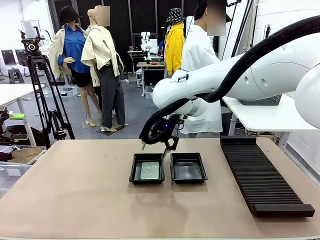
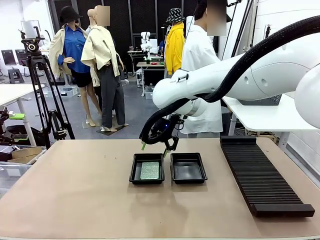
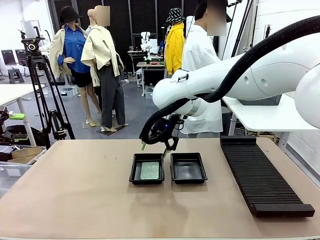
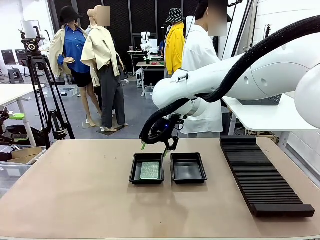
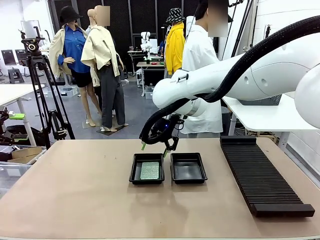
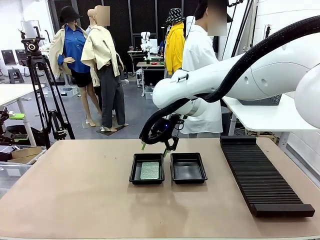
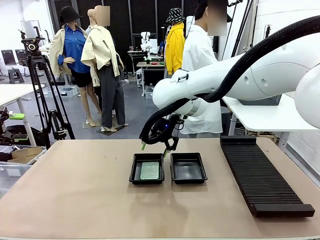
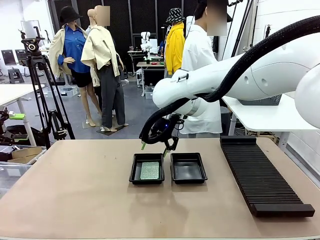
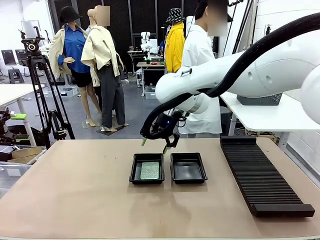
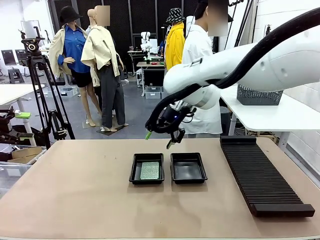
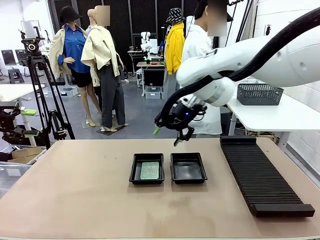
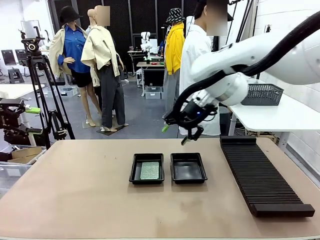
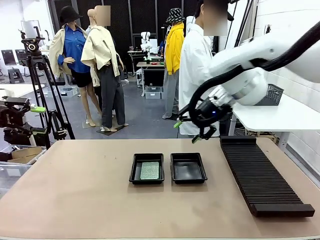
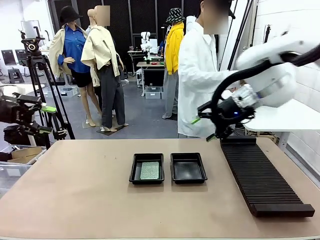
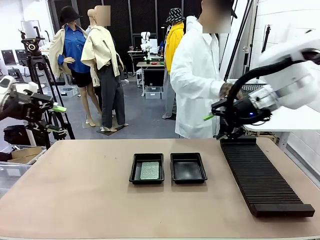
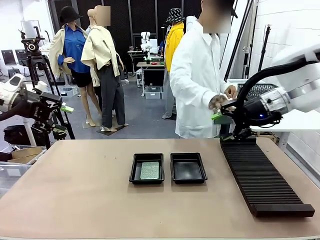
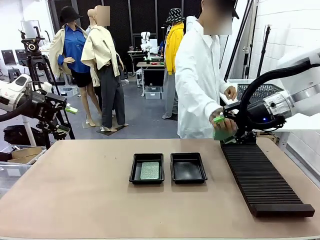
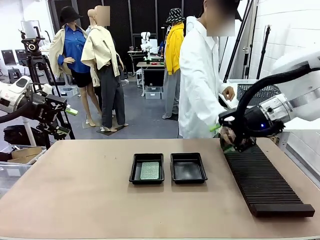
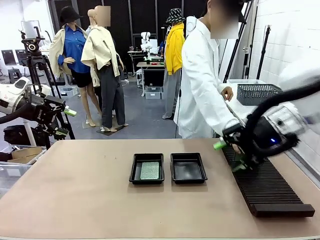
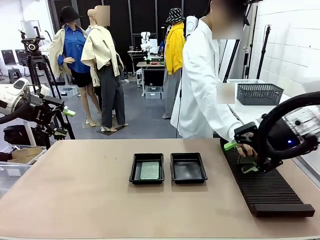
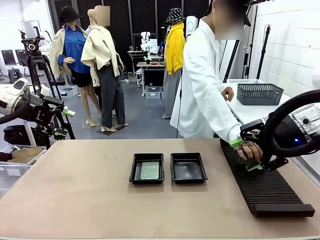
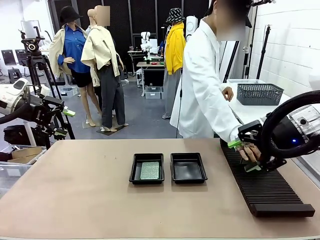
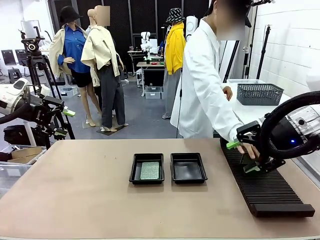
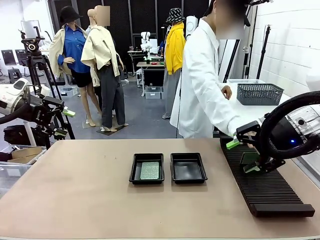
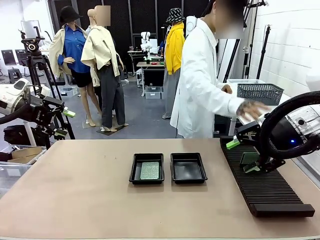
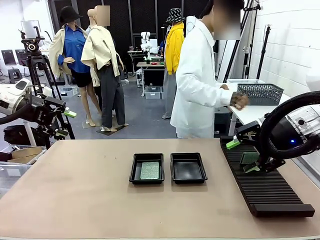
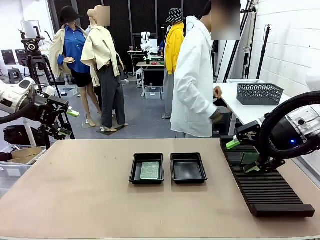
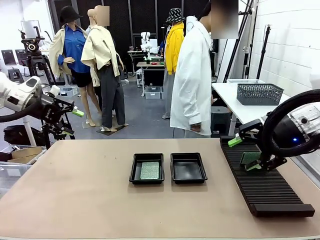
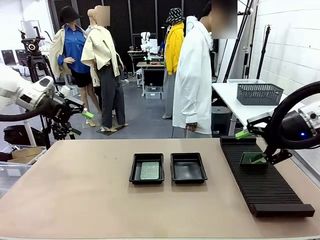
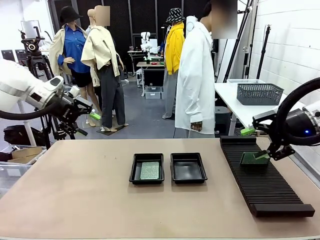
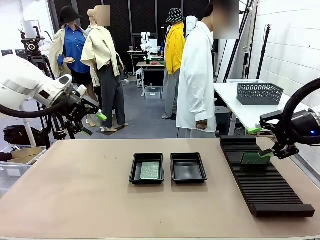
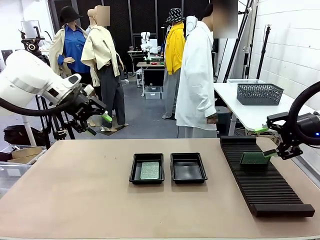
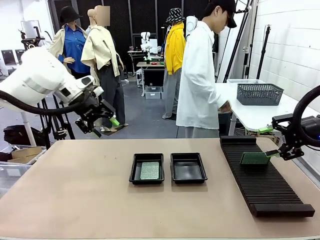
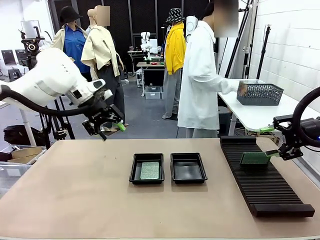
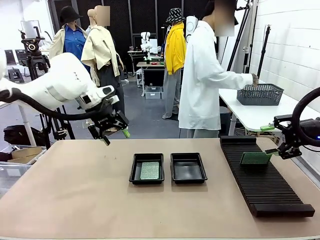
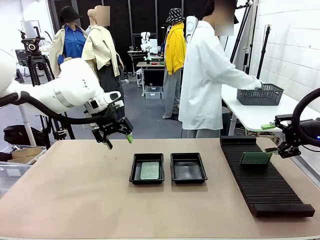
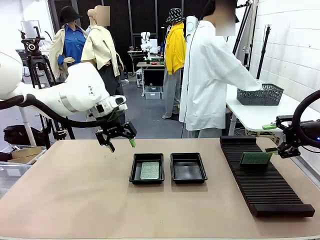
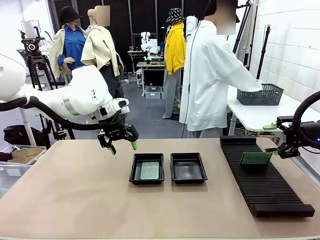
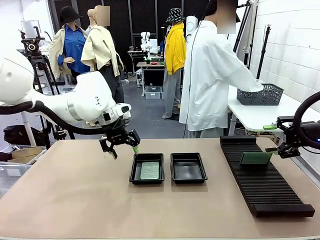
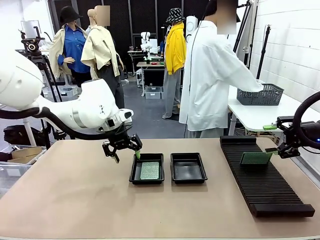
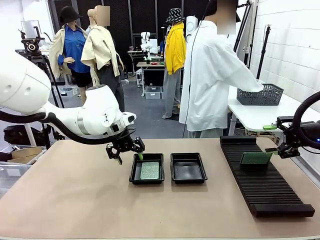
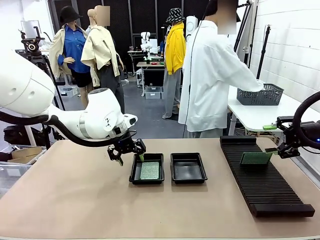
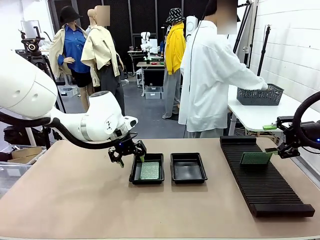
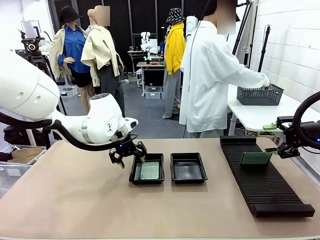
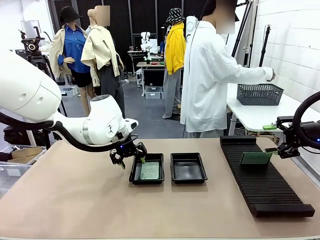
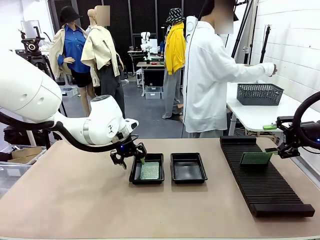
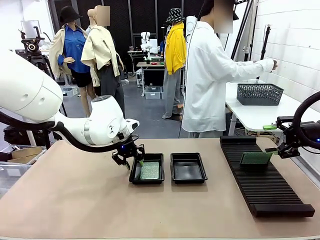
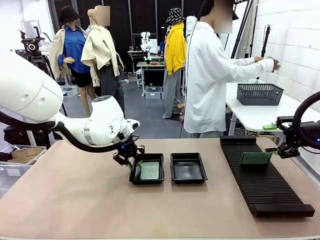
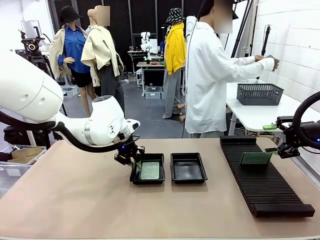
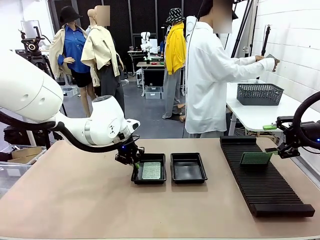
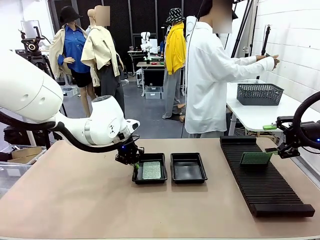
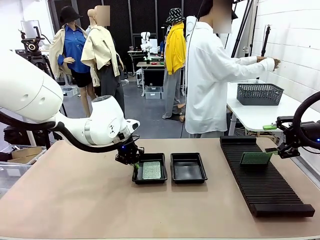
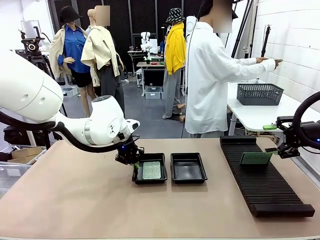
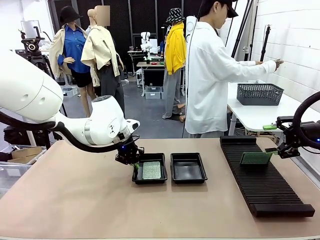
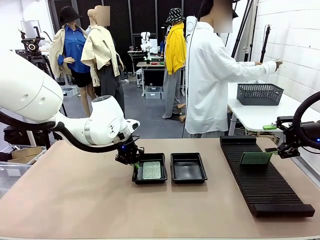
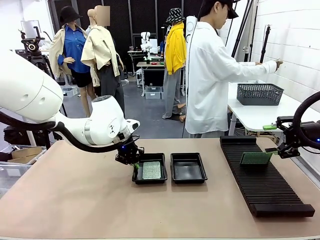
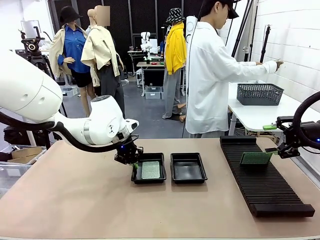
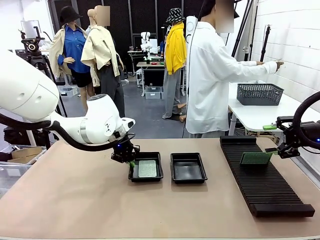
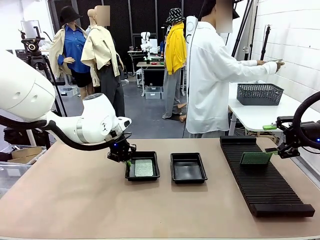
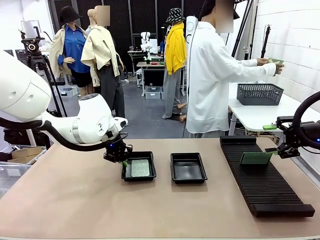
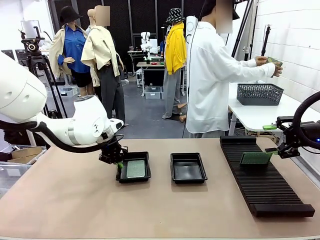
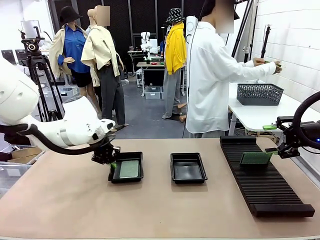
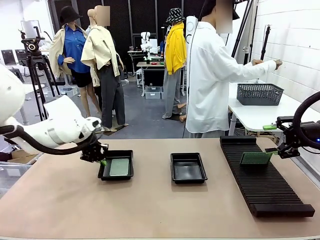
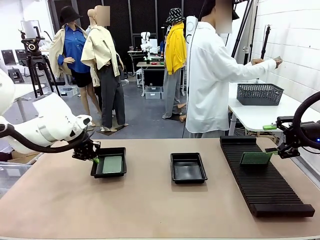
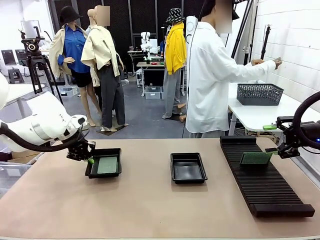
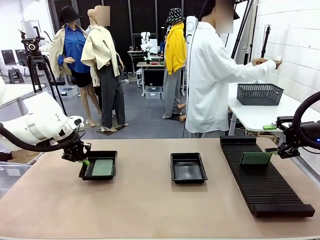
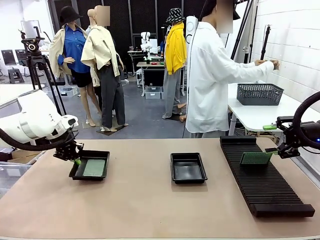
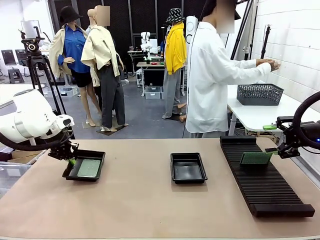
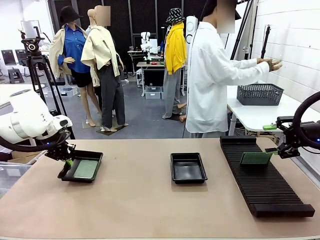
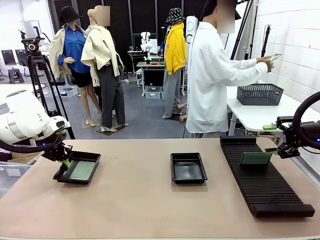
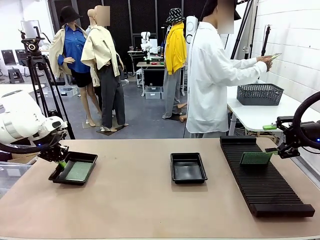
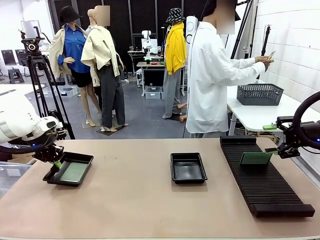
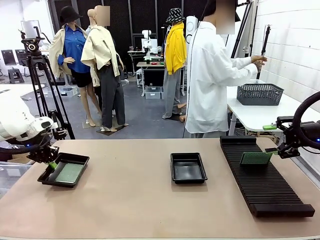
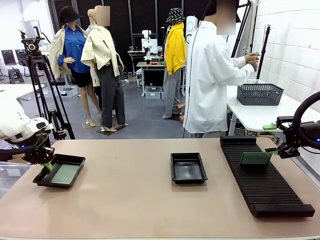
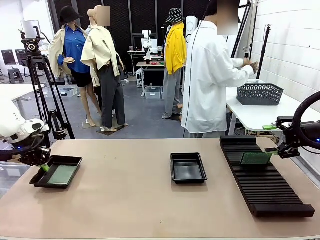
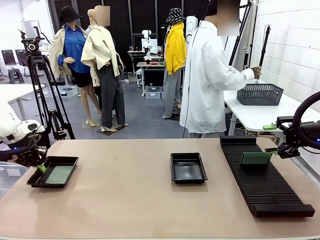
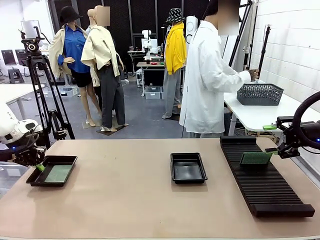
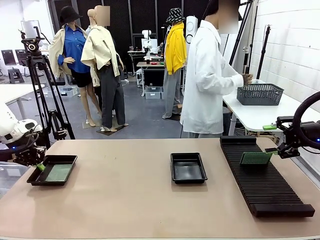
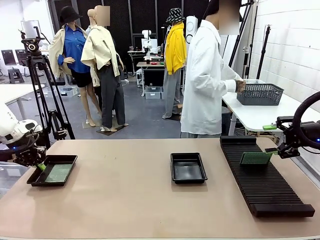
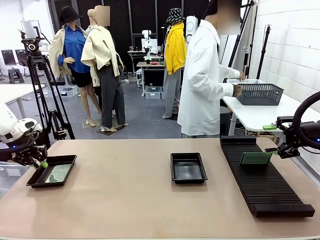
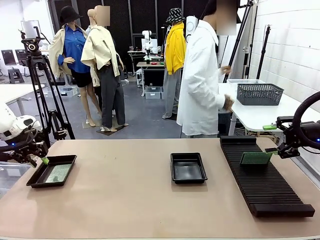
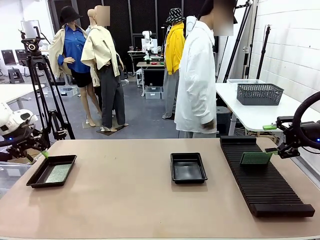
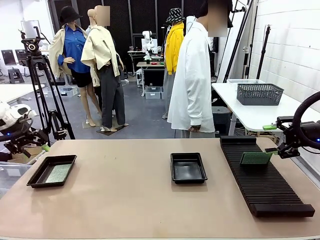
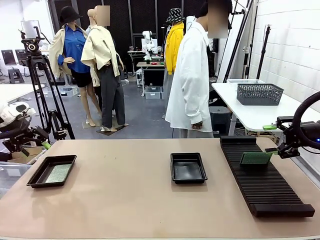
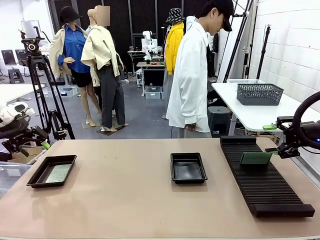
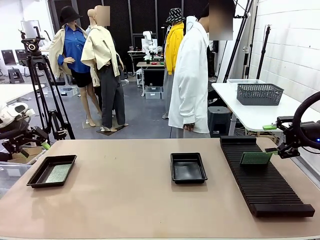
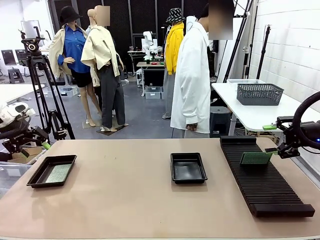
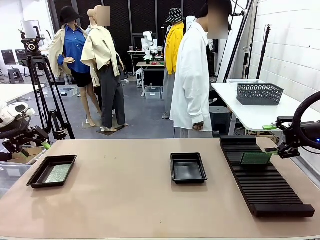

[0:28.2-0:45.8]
Task: Inspect and transfer BCBs to ESD trays.
Robot: Pick up the ESD tray and place it on the left side of the table.

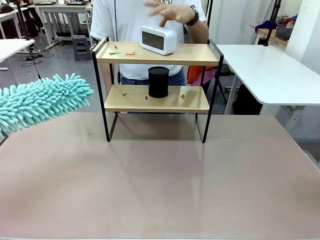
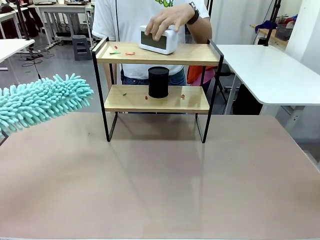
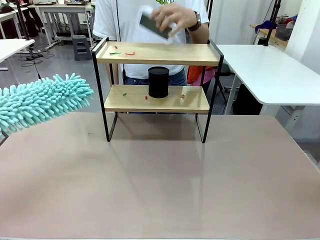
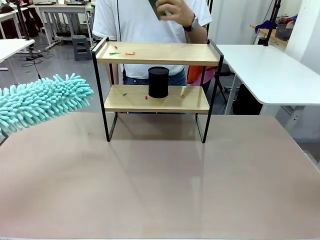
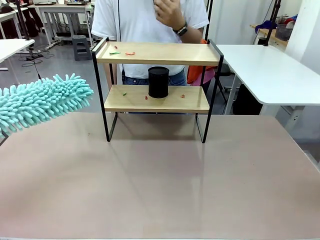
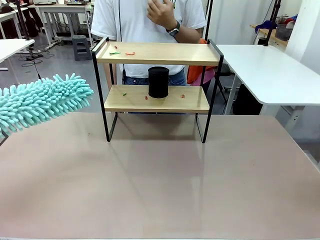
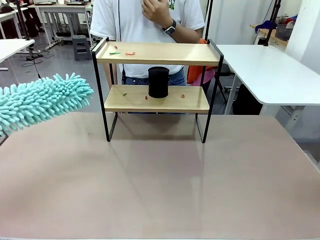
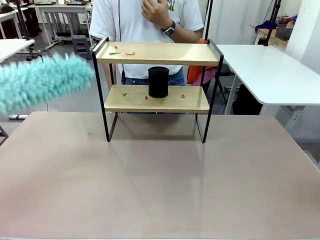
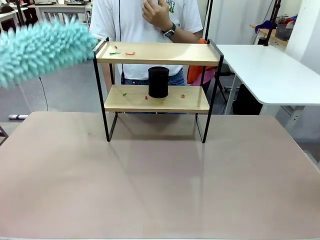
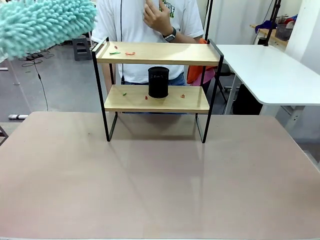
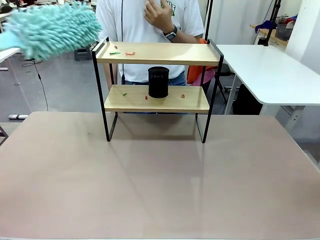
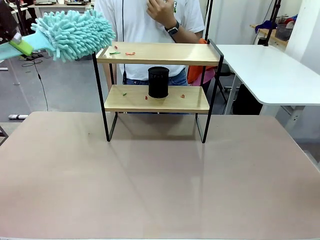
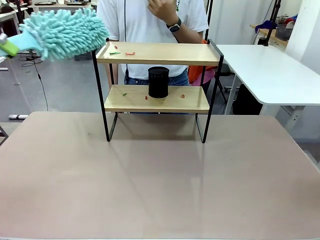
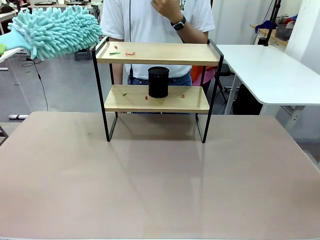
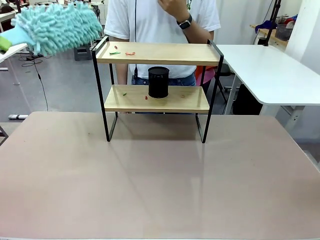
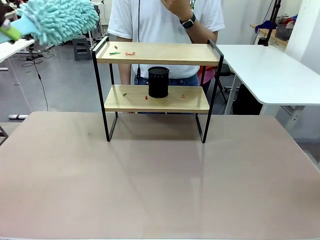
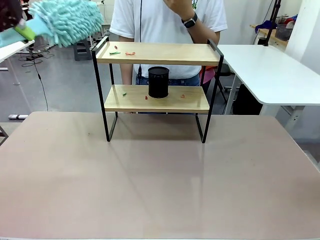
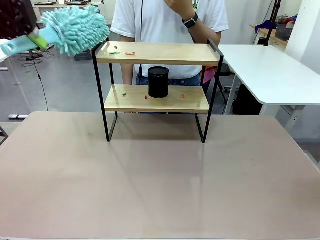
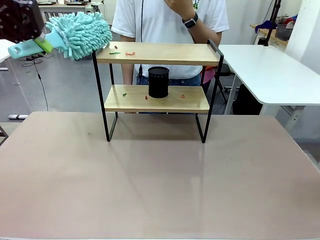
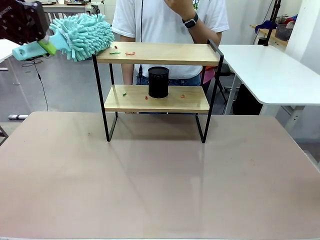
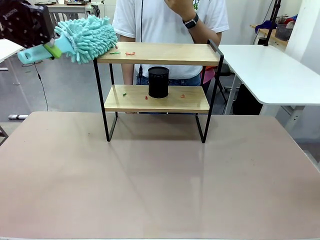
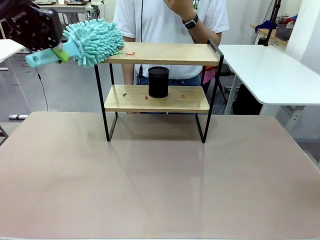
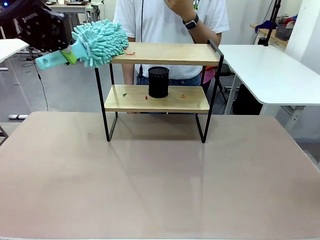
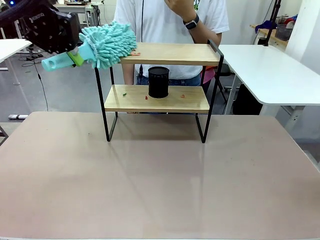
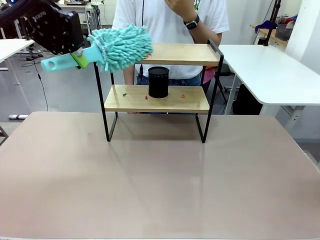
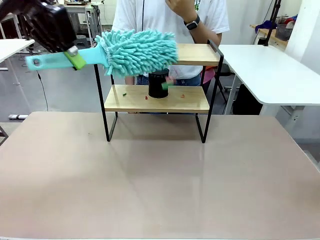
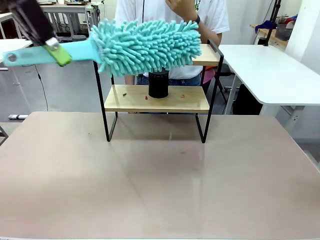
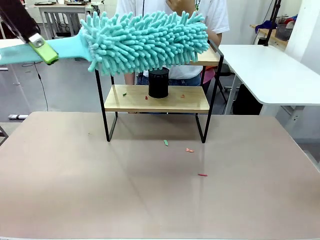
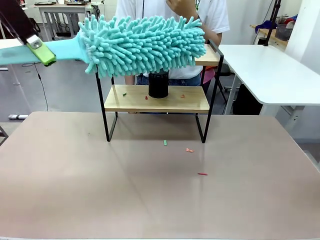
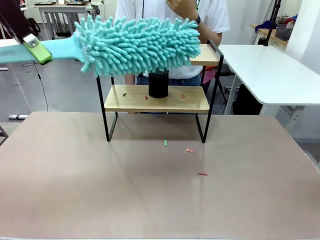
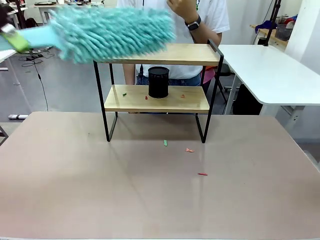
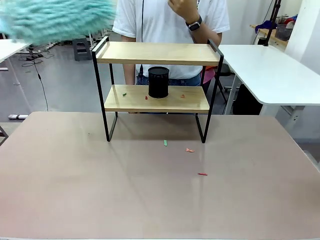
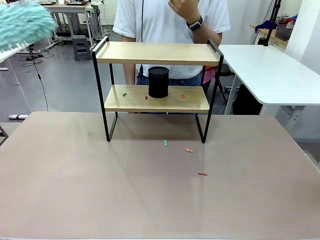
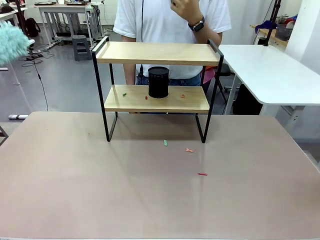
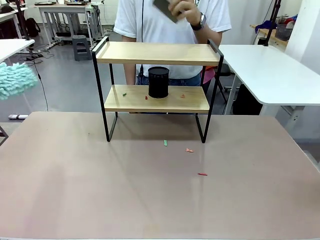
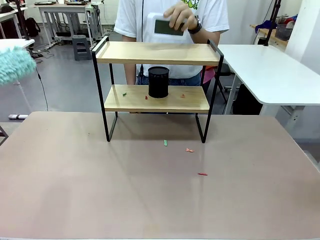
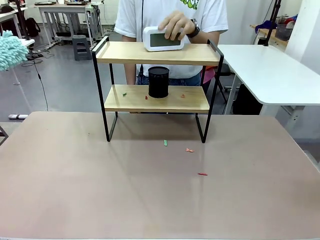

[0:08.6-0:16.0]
Task: Clean the shelf.
Robot: Clean the specific tier of the Shelf with the Duster once objects are removed.
Person: Lift the objects on a randomly selected tier of the Shelf. Once the robot finishes cleaning, lift the objects on the remaining tiers of the Shelf.
